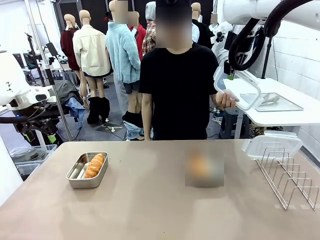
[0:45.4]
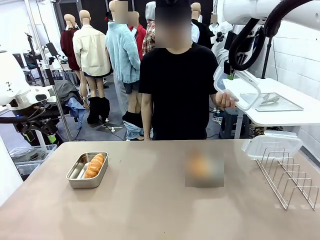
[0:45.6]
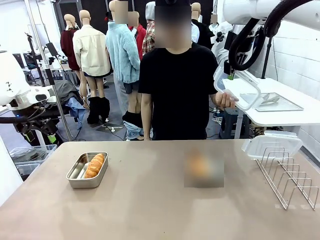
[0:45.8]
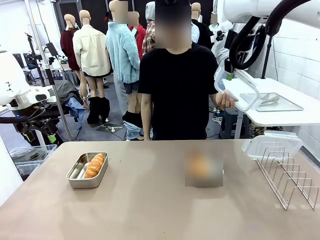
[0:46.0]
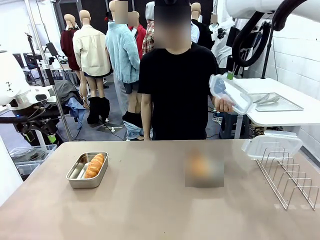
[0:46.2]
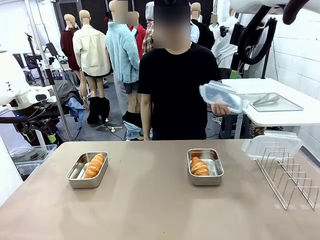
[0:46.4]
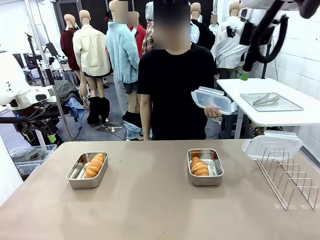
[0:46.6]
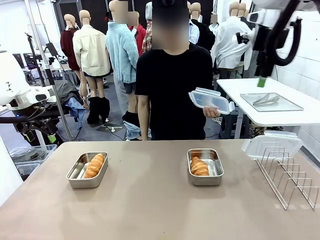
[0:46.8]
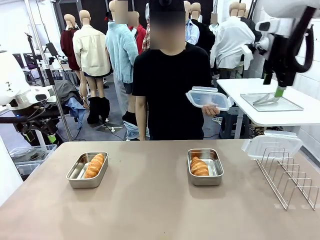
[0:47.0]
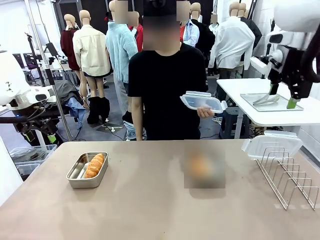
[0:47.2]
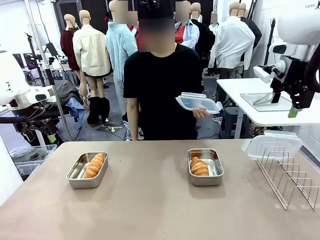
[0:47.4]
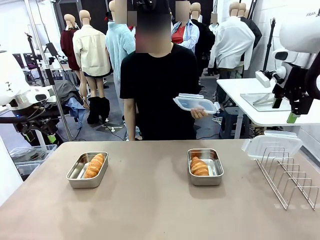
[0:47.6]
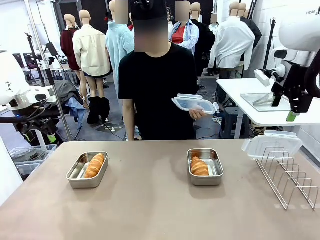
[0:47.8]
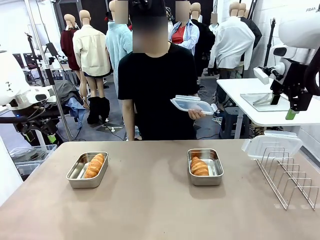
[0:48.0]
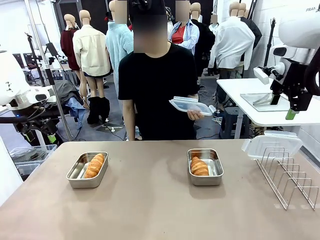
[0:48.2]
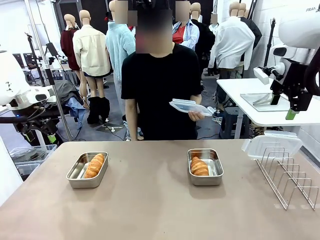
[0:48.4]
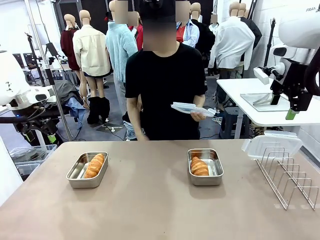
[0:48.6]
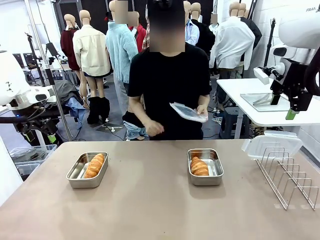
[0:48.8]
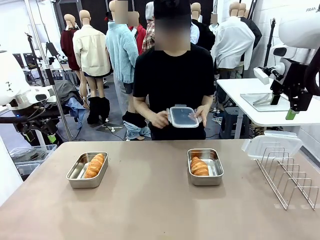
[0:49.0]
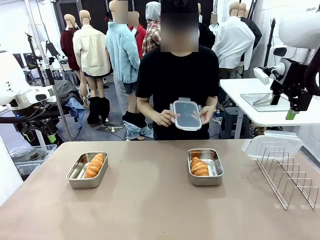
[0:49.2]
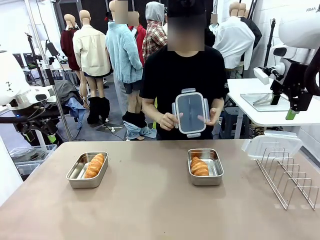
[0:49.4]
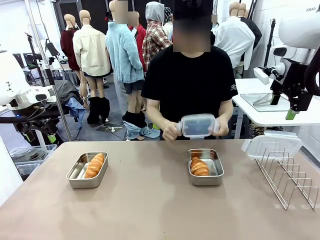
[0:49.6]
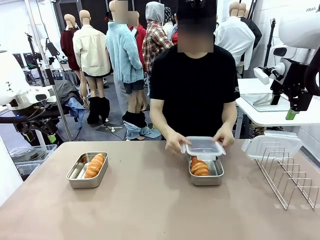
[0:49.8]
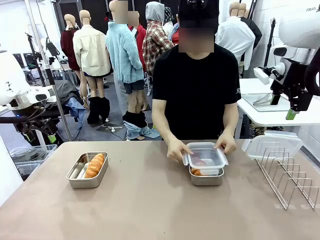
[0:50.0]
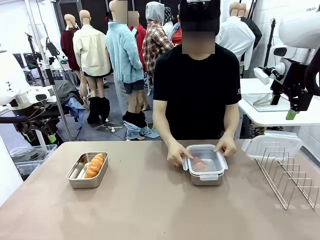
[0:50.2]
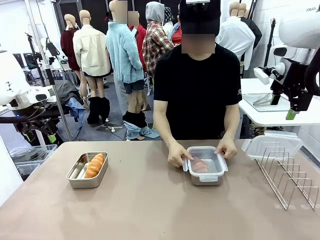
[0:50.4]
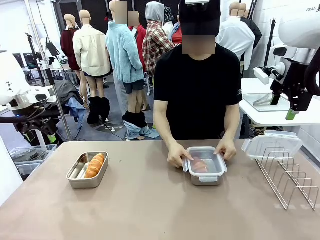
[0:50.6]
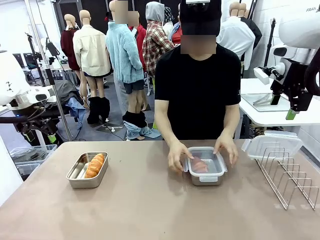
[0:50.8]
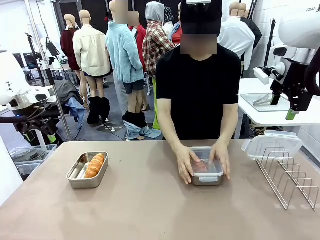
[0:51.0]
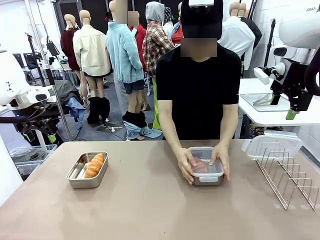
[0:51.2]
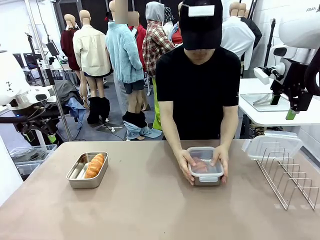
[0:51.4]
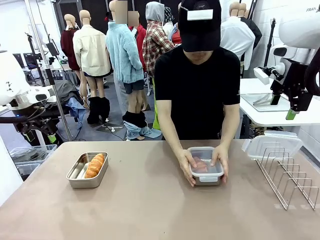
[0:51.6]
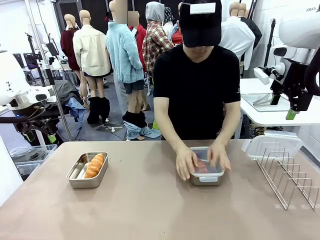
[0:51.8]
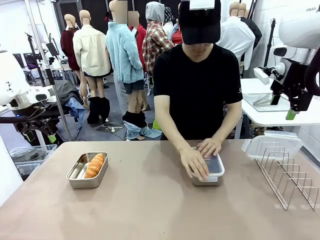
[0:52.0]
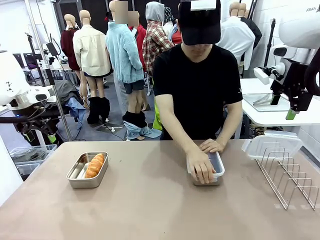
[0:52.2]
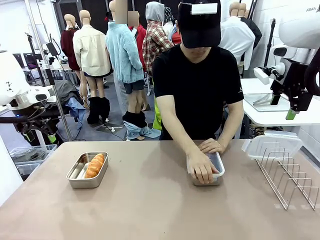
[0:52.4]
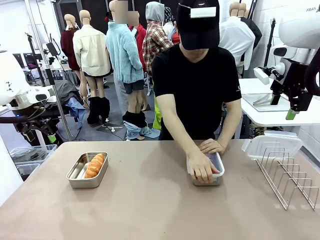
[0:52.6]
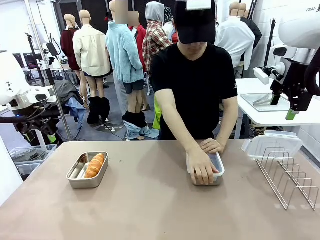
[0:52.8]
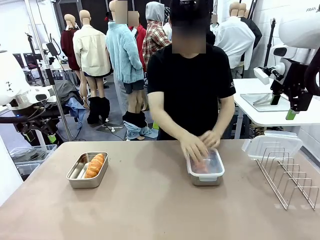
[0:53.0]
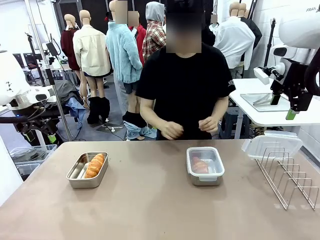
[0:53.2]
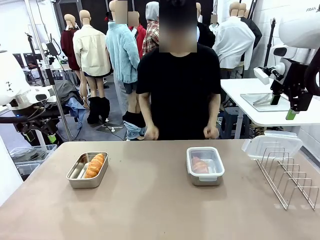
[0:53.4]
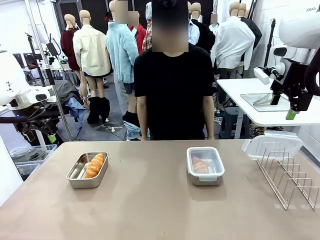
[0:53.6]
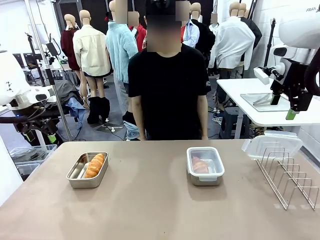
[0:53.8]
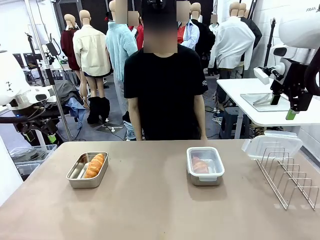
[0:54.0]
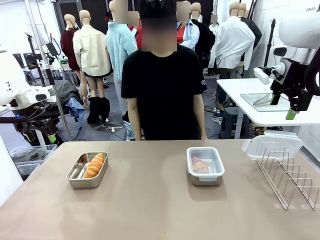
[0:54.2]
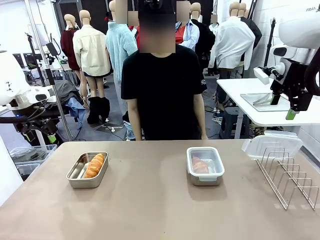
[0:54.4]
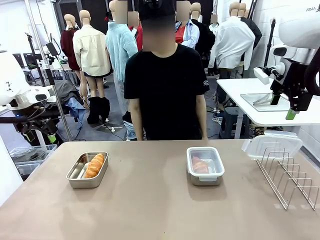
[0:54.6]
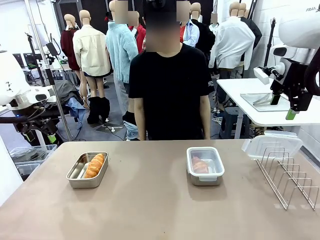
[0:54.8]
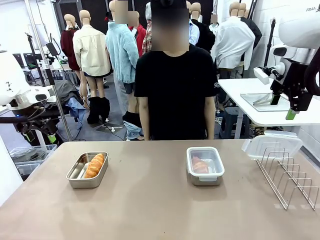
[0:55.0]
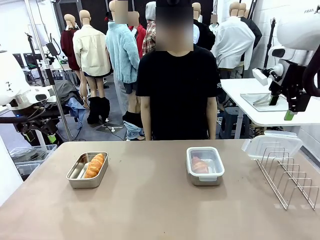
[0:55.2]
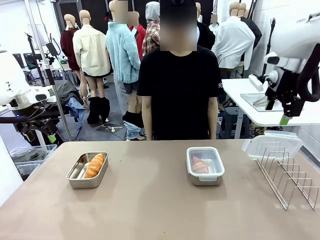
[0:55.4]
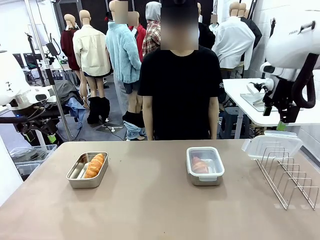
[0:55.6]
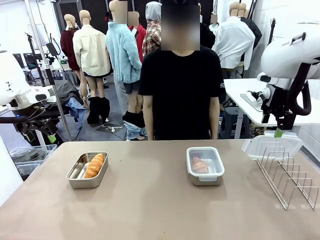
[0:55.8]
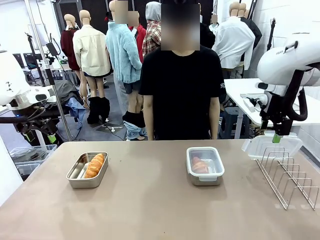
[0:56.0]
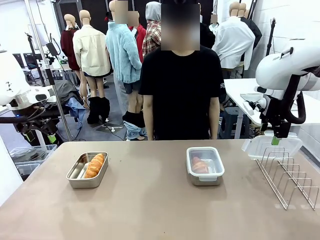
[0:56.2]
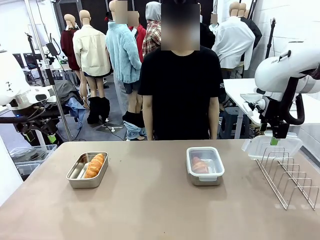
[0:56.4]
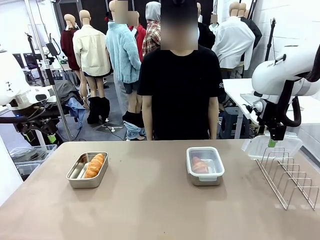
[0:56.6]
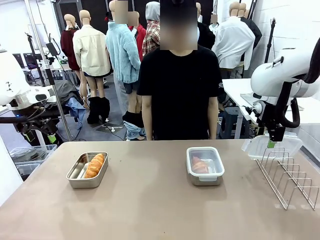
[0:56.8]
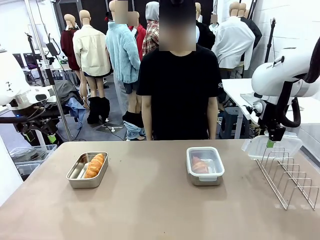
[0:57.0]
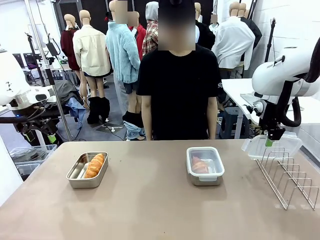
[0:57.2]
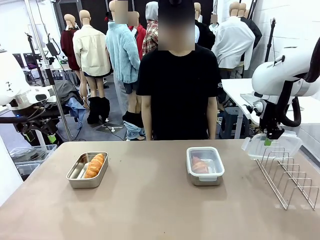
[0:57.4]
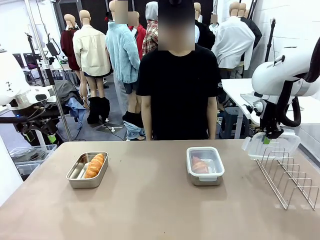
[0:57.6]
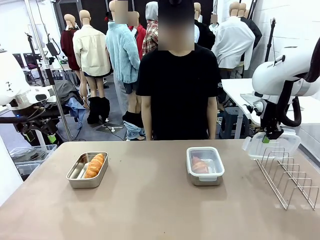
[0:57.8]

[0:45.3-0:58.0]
Task: Place the bread in airtight containers.
Robot: Pick up one Airtight Container lid and hand it to the human.
Person: Close Airtight Container with a handed Airtight Container lid.

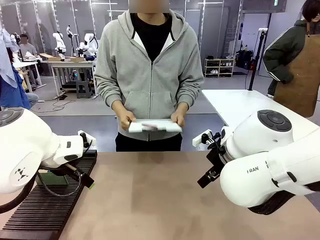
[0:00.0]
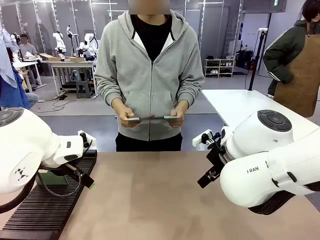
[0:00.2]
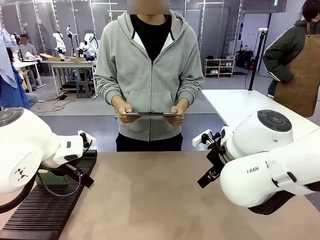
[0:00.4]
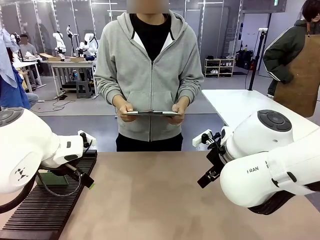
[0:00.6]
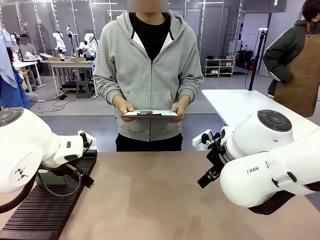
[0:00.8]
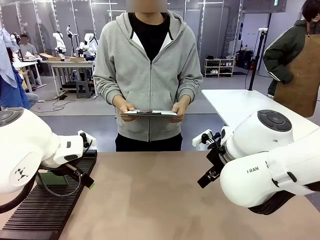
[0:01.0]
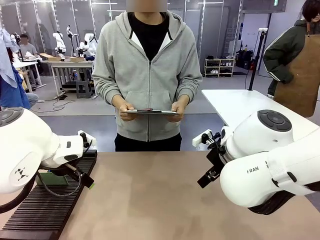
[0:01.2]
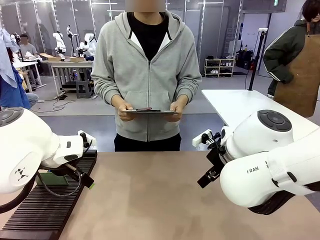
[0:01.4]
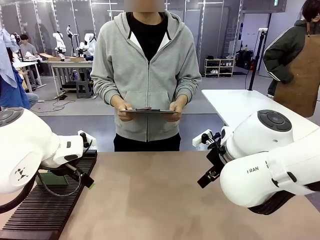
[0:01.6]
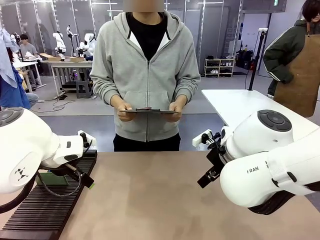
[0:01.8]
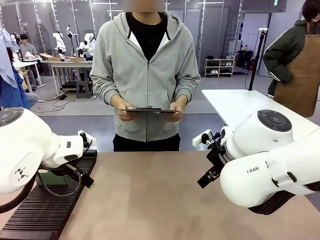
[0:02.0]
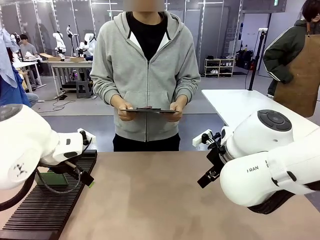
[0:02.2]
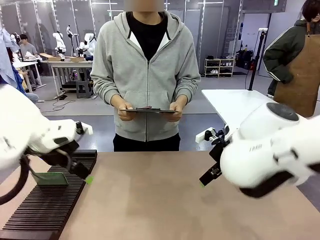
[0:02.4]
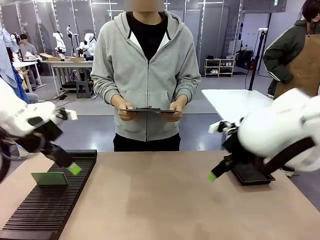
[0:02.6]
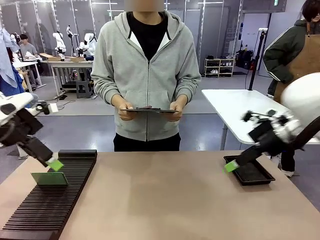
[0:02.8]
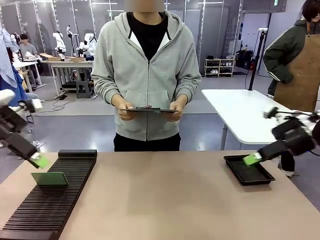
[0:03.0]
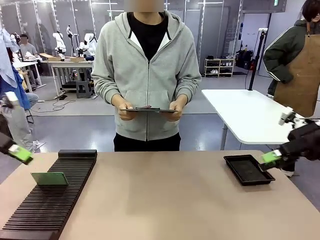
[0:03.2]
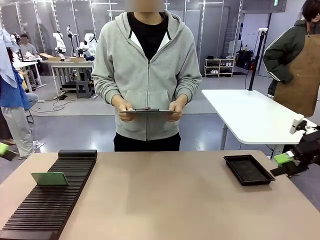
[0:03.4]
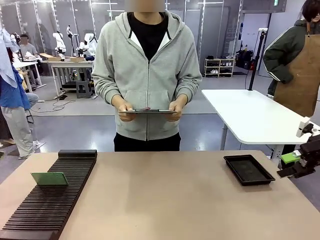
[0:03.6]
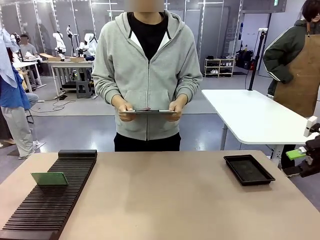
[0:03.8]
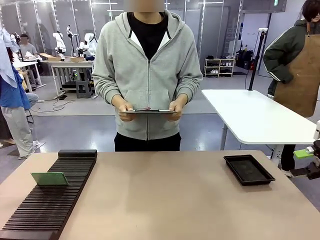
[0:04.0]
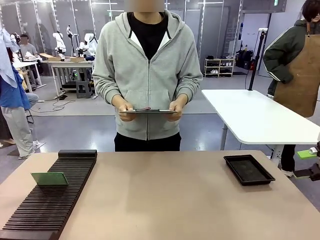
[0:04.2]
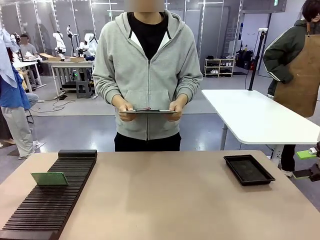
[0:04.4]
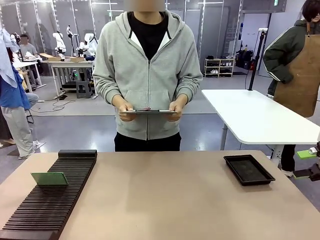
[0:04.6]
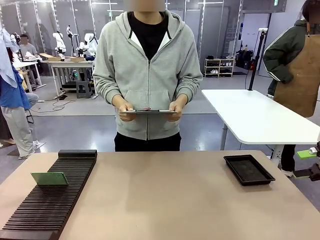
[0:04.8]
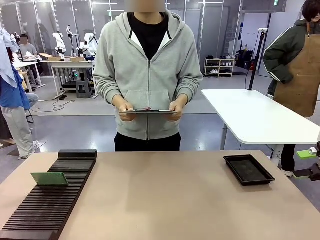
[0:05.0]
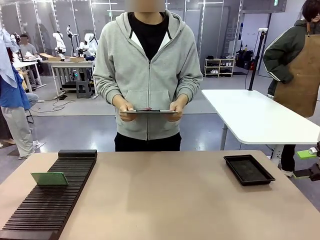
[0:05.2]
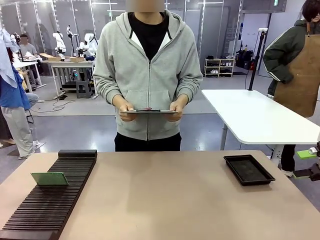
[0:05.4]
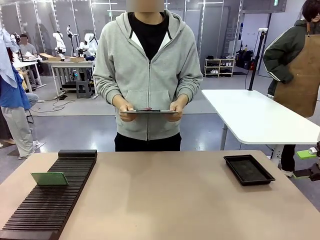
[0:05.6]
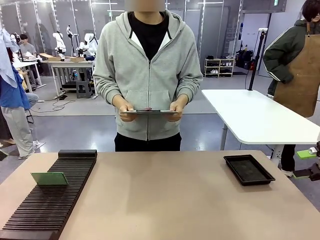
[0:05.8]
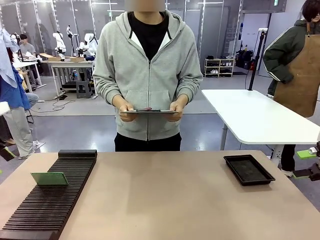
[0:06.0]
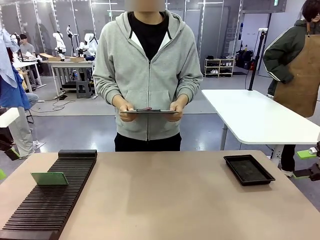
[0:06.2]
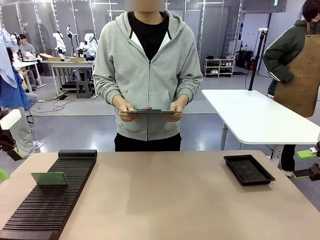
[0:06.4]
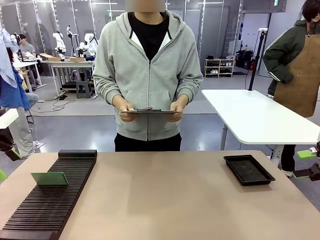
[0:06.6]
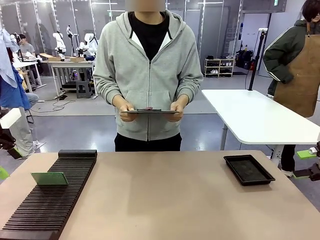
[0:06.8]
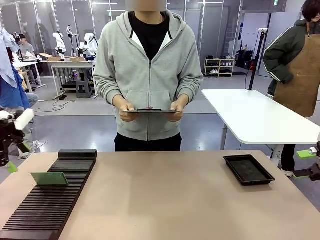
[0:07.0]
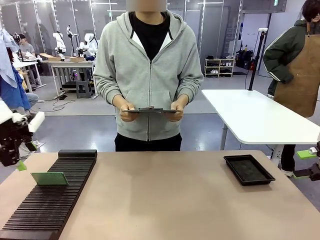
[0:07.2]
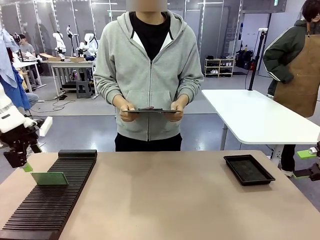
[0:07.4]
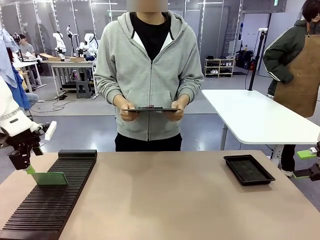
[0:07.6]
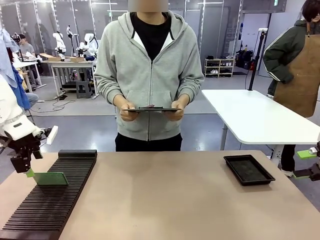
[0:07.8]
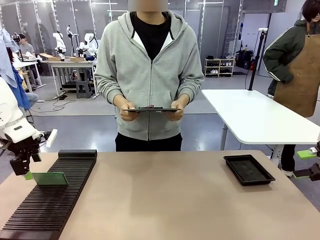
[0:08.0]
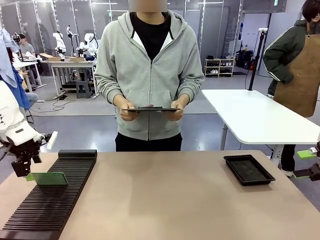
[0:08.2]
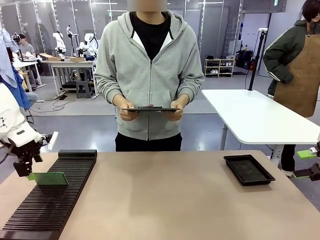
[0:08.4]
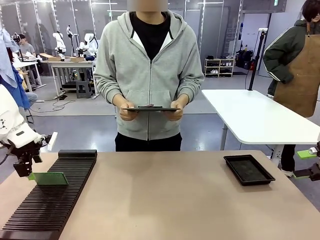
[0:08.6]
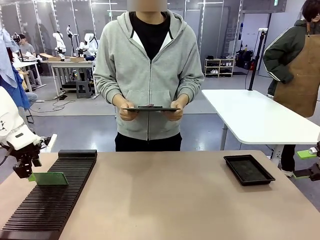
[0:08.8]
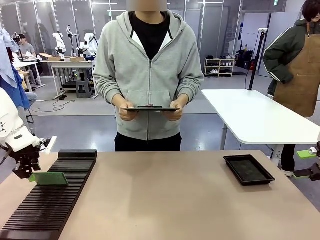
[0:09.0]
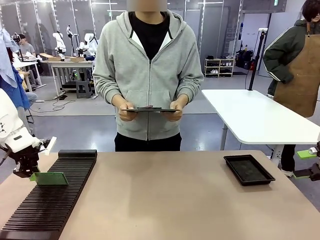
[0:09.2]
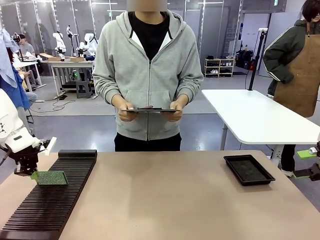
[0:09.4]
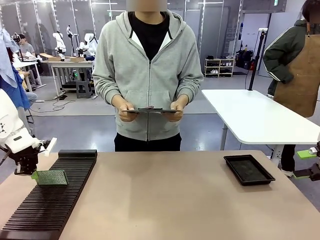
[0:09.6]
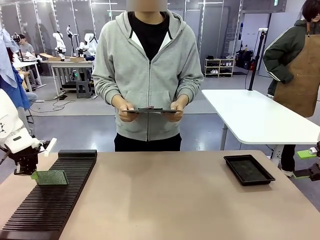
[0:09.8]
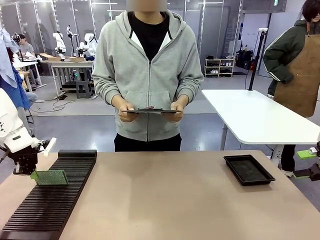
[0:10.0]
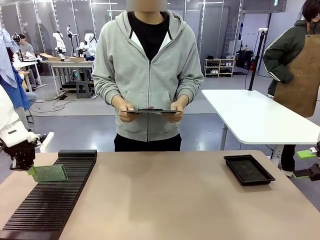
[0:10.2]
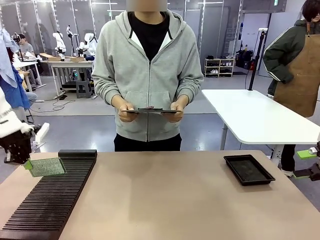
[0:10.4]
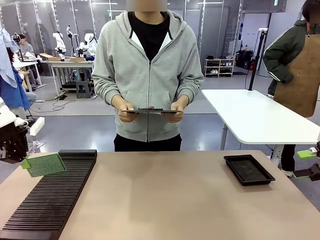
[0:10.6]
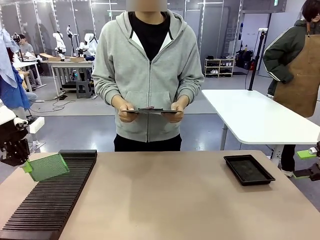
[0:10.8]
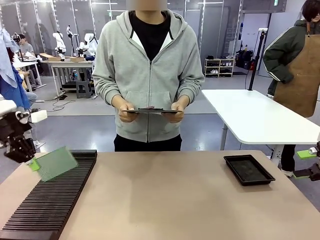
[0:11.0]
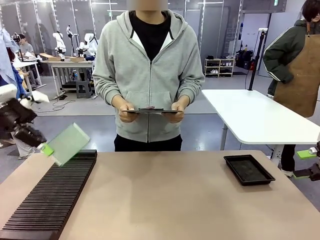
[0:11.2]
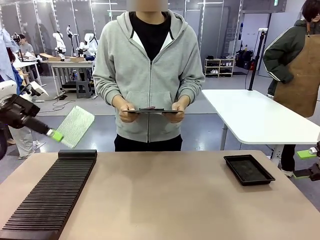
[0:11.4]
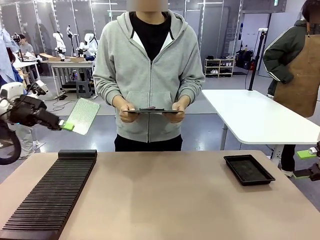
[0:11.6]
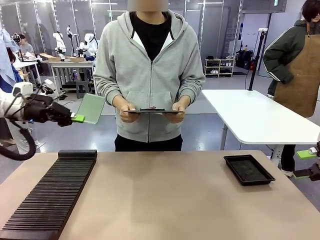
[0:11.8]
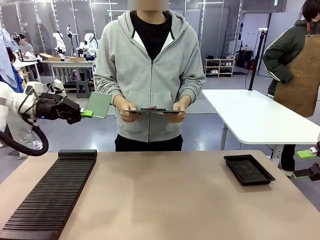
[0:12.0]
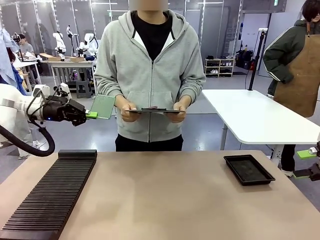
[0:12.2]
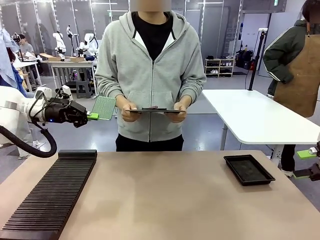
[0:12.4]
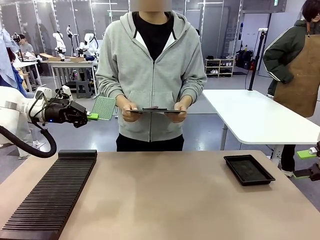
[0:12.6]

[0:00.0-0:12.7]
Task: Inspect the PCB.
Robot: Pick up the Blank PCB and present it to the human.
Person: Pick up the PCB presented by the robot.
